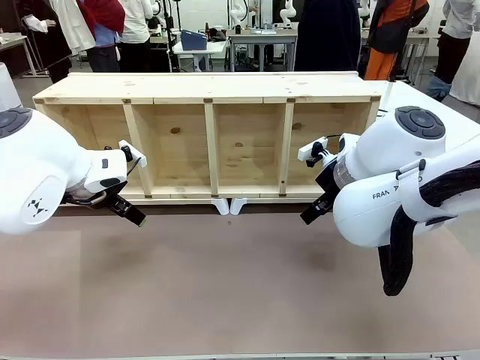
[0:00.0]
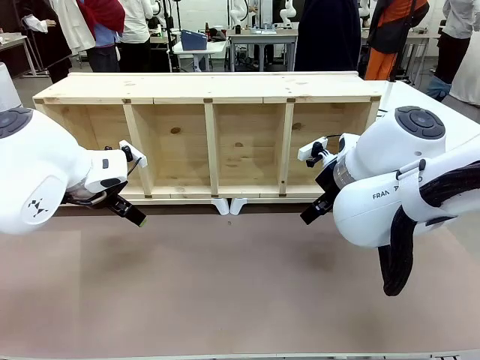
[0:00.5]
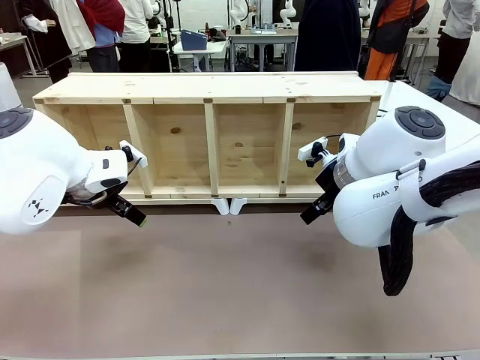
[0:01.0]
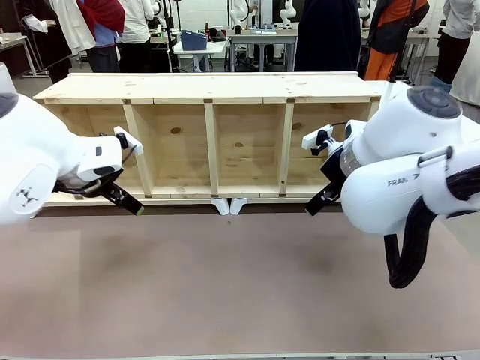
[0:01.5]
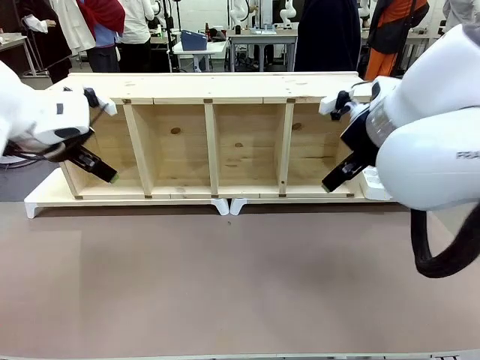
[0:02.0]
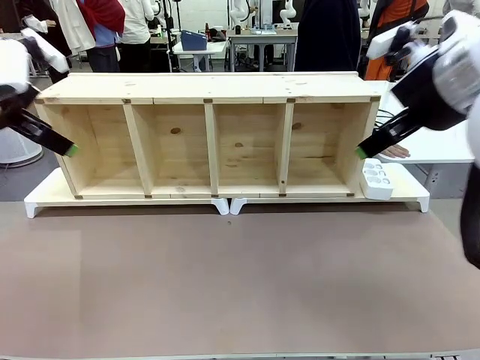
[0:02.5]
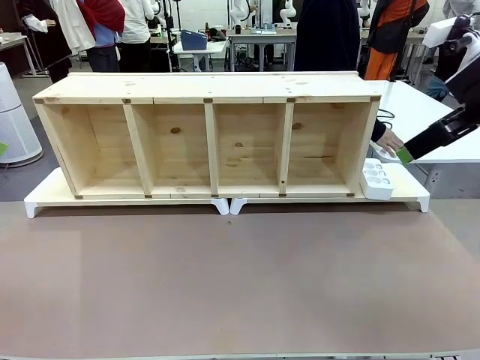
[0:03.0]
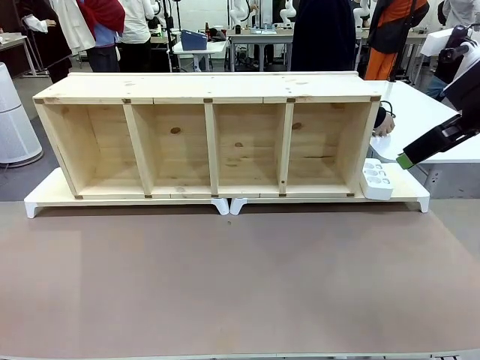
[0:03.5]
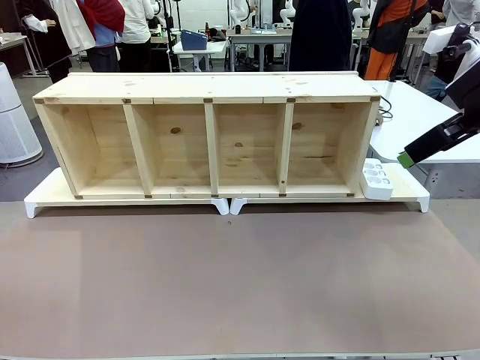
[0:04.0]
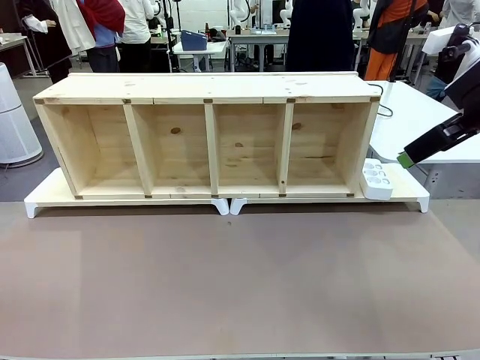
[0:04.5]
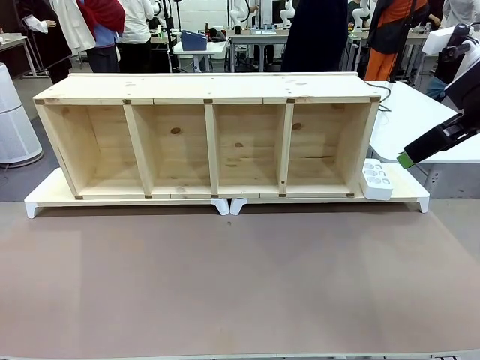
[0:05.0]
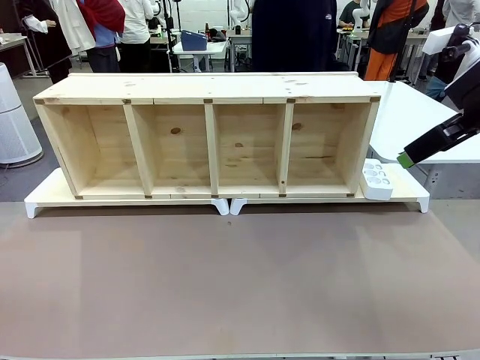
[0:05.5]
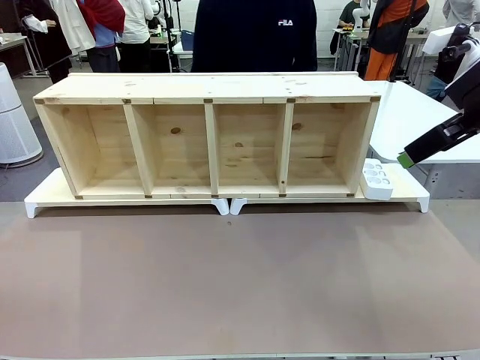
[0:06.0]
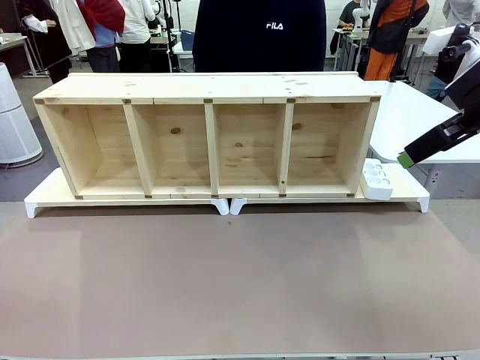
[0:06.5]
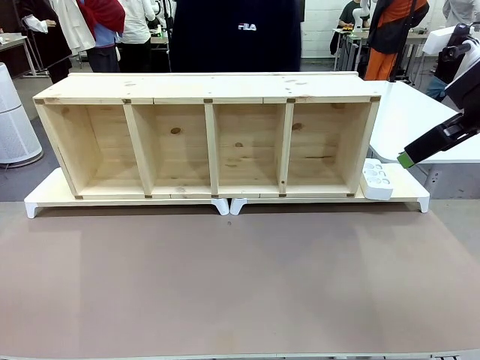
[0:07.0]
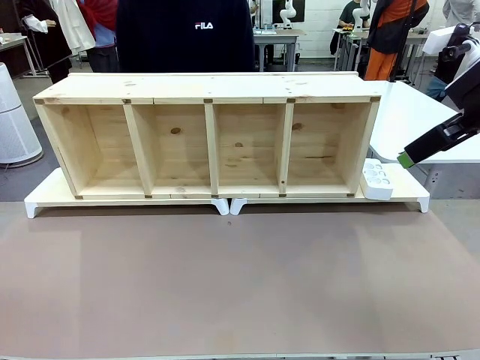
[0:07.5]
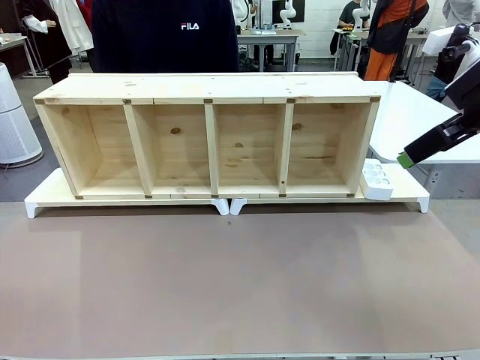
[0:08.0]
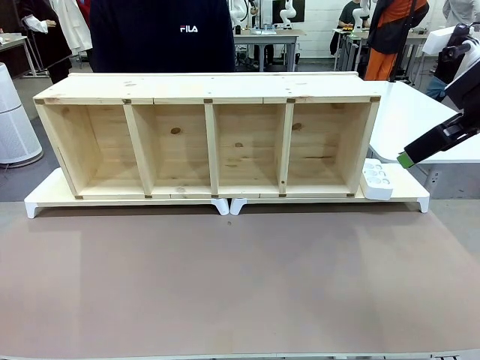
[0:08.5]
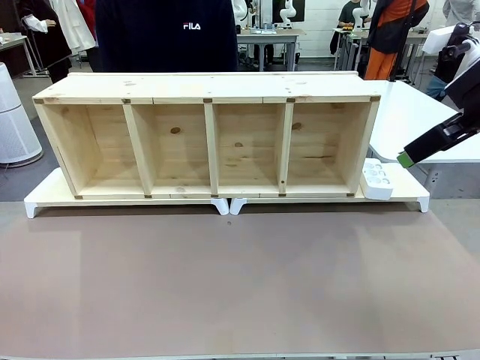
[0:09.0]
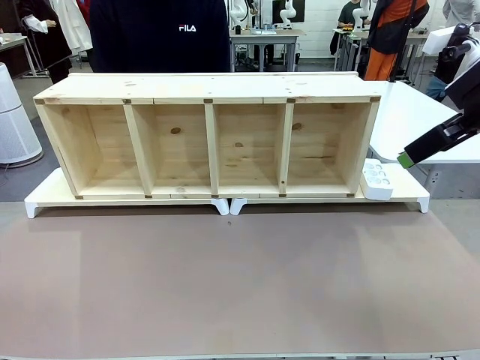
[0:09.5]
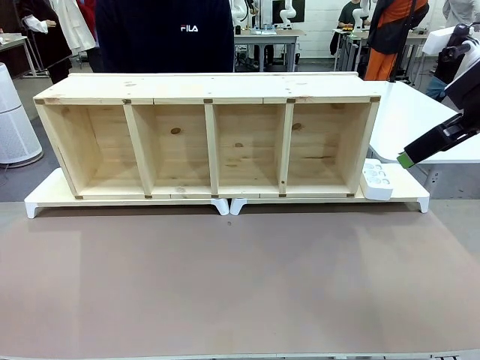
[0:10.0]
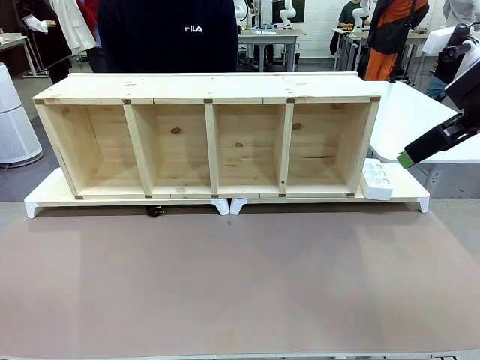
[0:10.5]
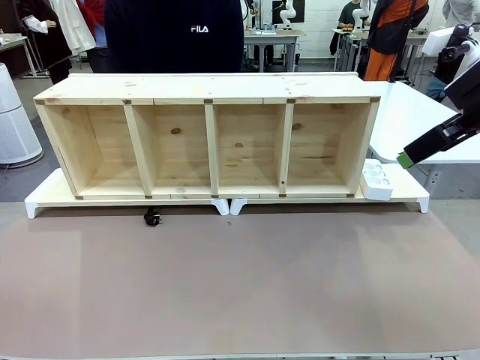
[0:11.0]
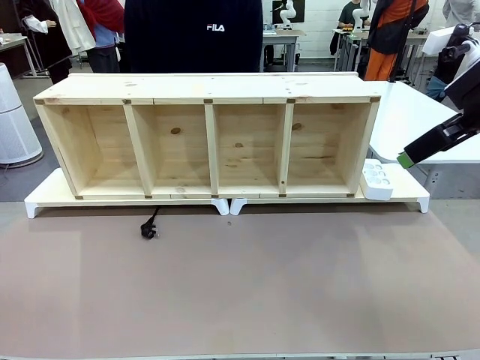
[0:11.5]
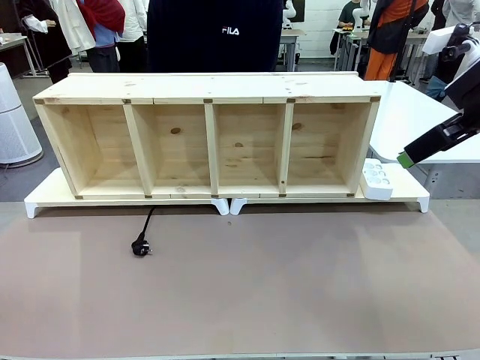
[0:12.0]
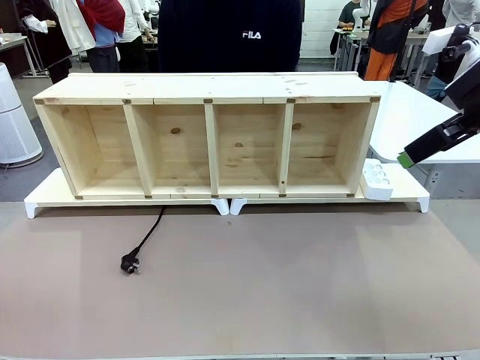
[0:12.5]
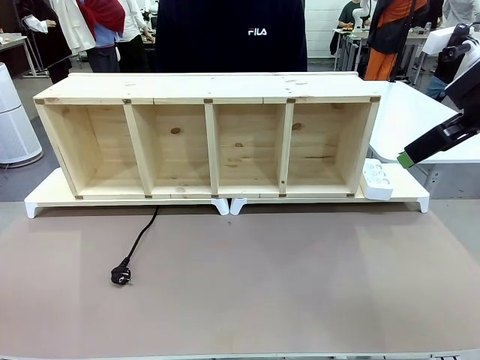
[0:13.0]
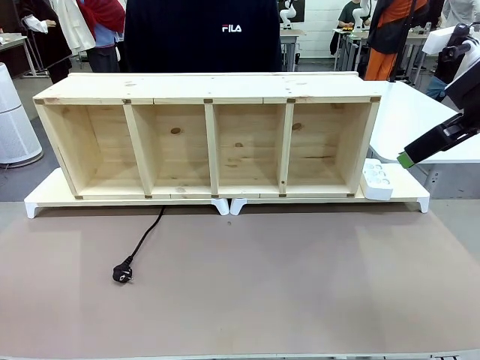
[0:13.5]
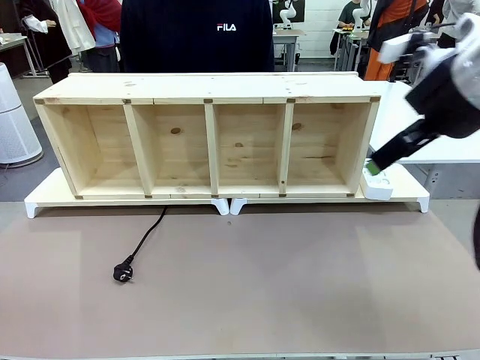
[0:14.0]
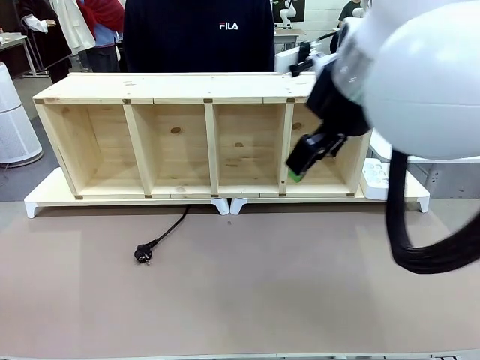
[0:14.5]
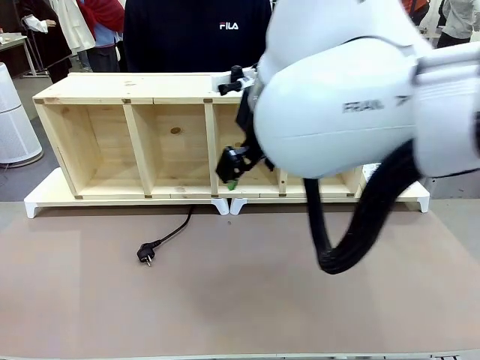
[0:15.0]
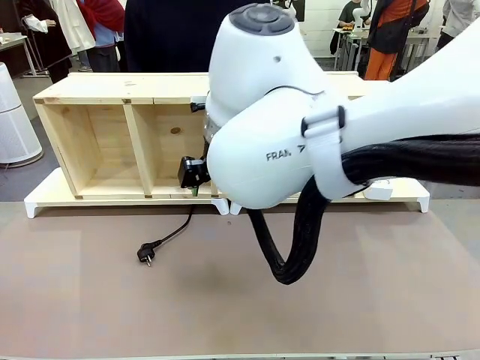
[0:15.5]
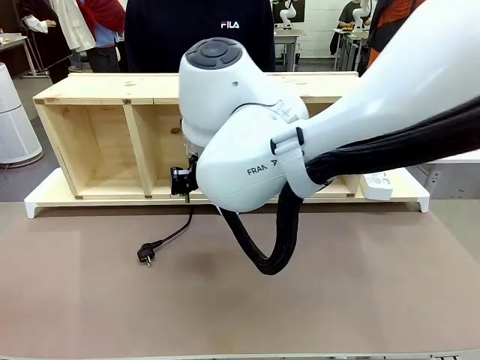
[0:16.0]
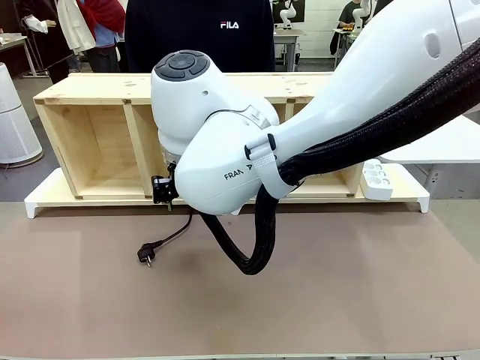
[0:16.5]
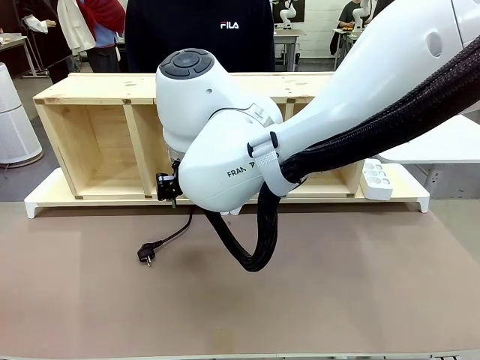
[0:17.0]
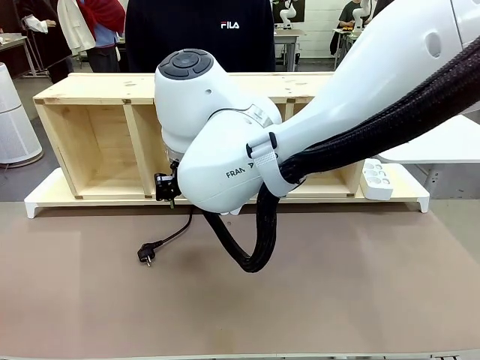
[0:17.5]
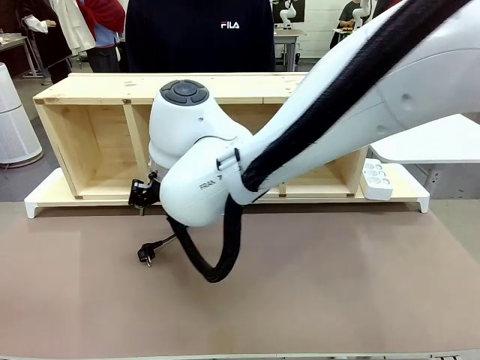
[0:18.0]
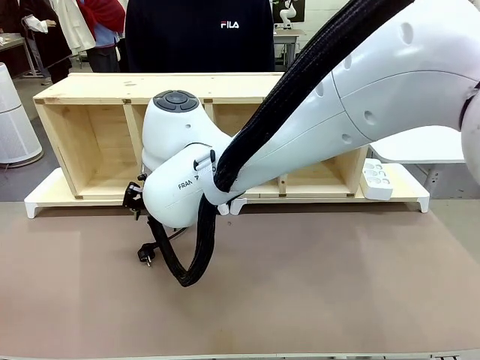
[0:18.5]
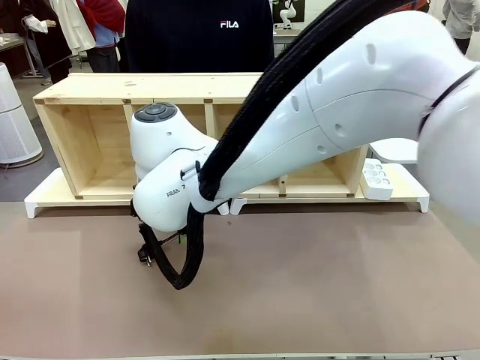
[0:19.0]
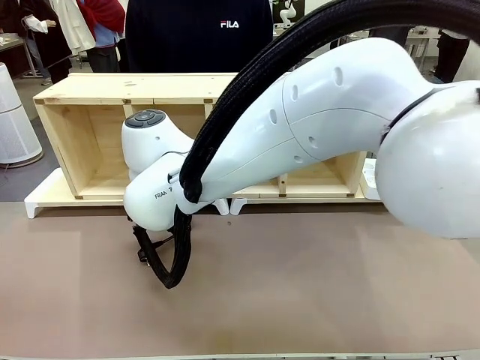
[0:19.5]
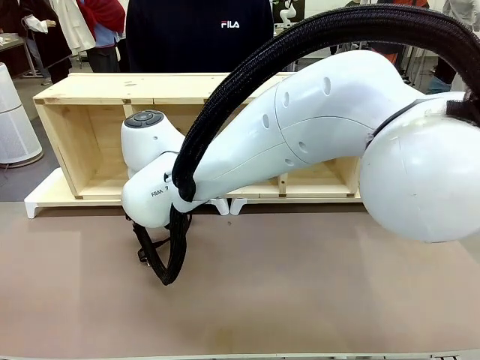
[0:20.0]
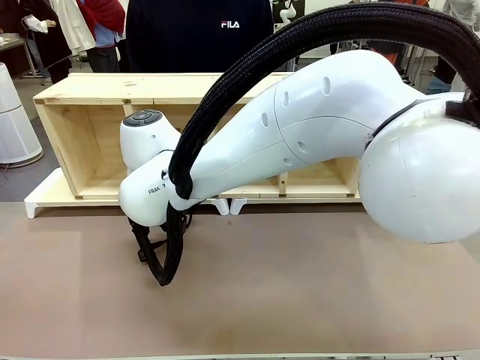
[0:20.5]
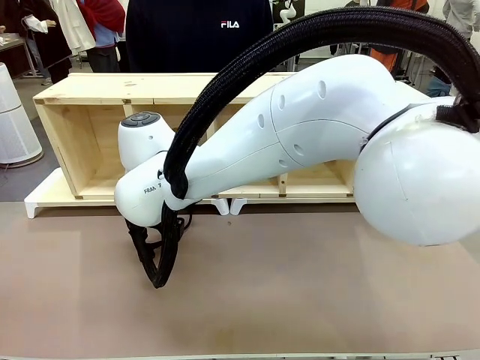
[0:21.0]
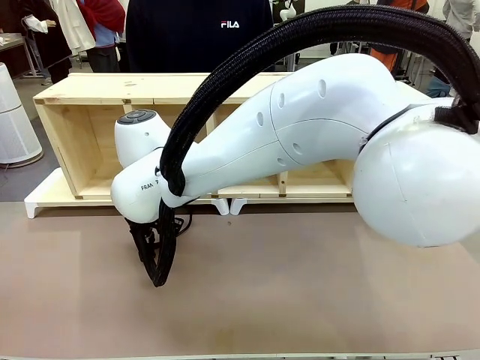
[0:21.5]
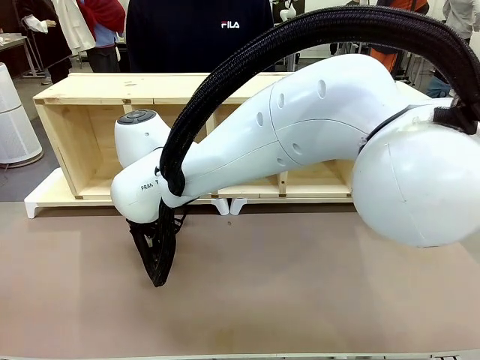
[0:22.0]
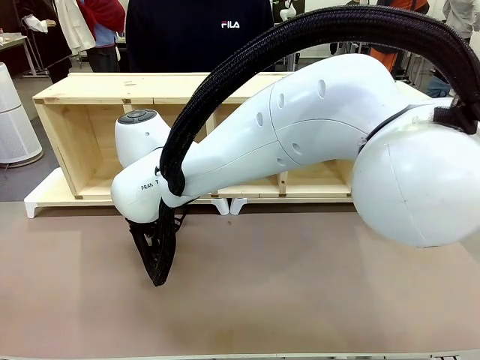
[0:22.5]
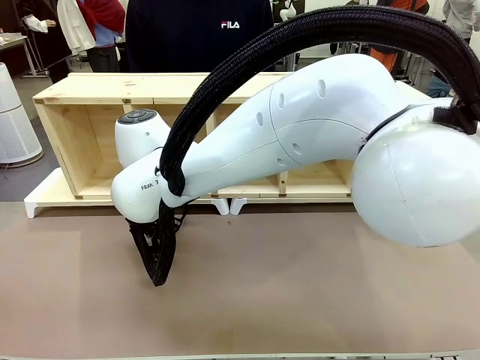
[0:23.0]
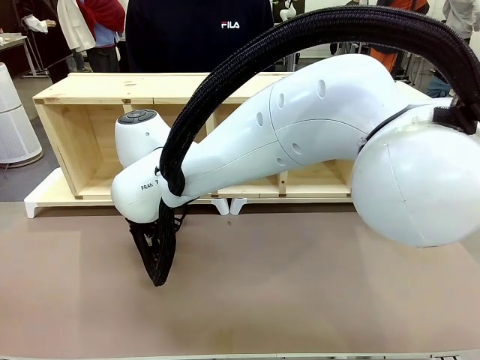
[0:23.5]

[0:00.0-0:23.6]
Task: Perform cable management.
Robot: When the cord part of the Power Cable appears at the lower middle area of the table and stops, grasp the cord part of the Power Cable.
Person: Pass the Power Cable under the Serving Table.
